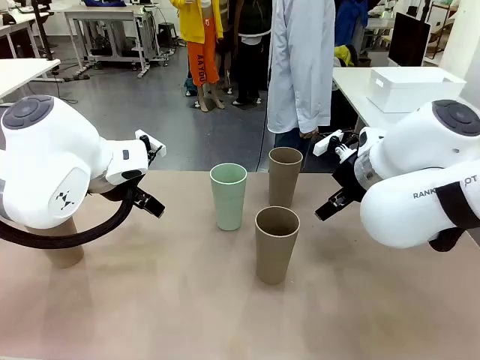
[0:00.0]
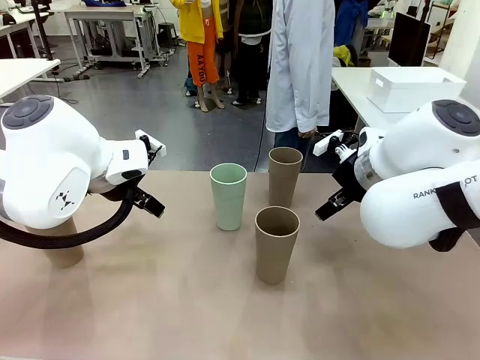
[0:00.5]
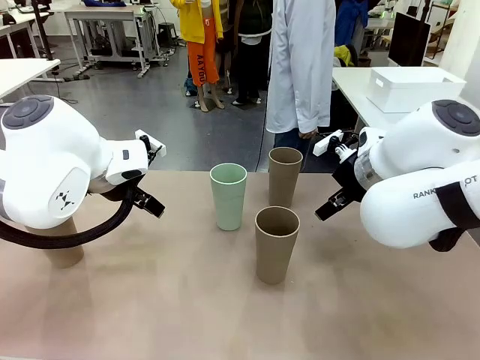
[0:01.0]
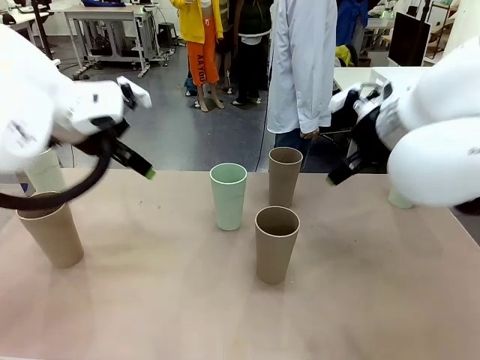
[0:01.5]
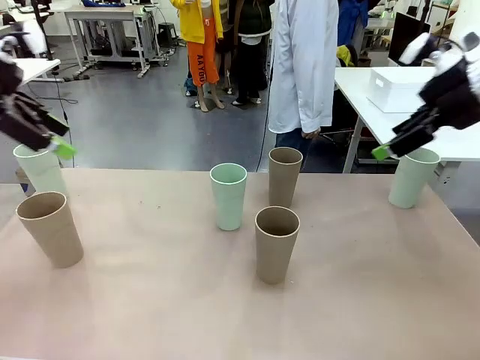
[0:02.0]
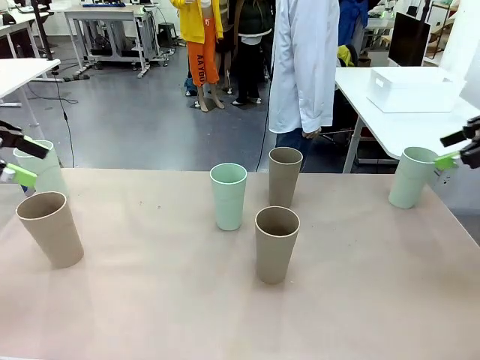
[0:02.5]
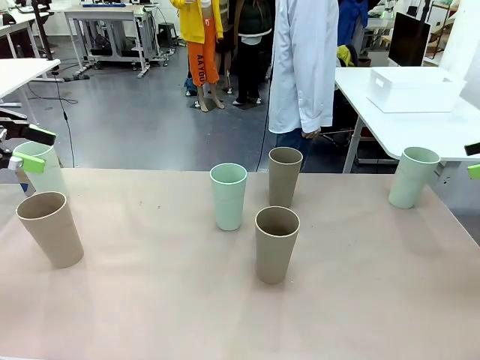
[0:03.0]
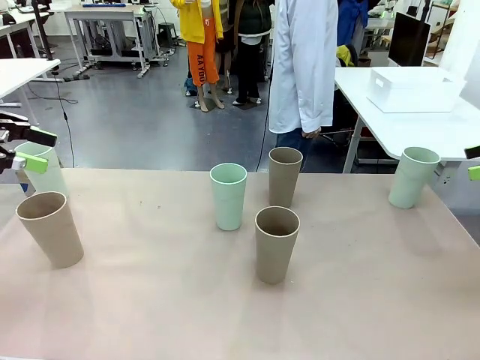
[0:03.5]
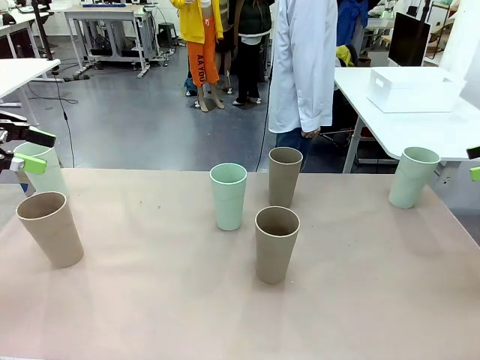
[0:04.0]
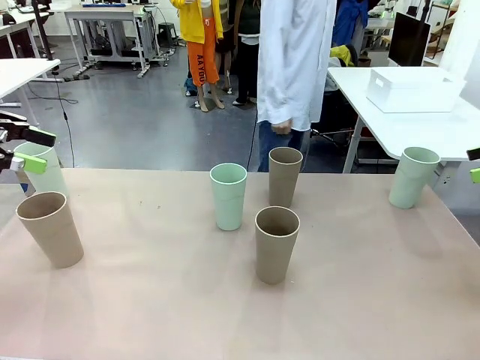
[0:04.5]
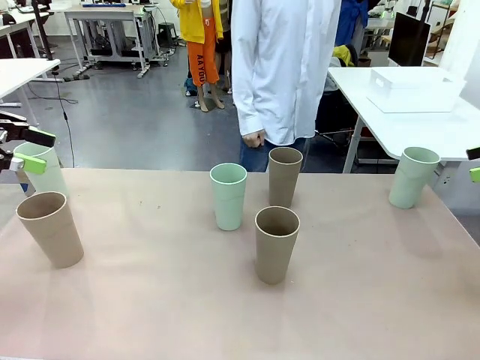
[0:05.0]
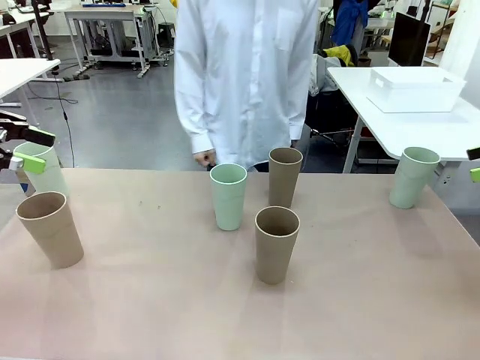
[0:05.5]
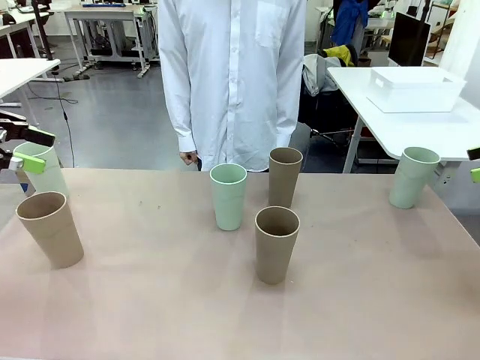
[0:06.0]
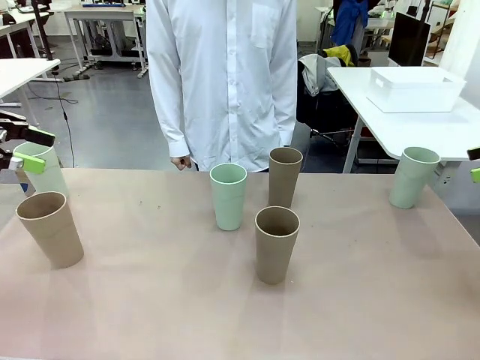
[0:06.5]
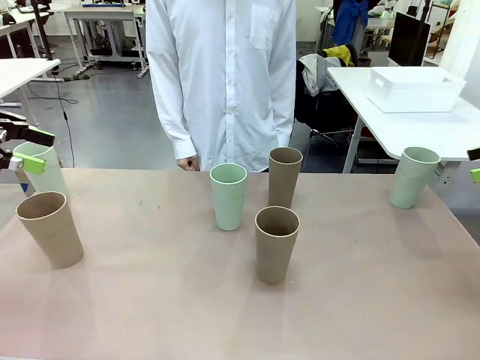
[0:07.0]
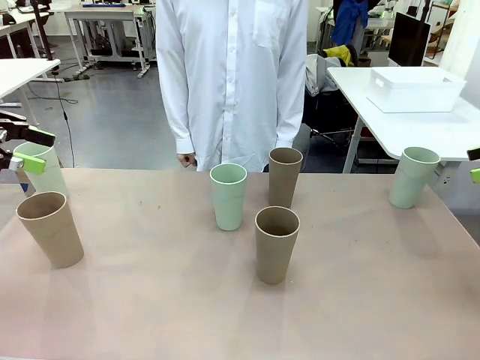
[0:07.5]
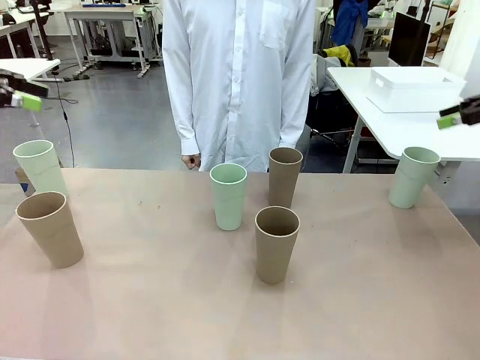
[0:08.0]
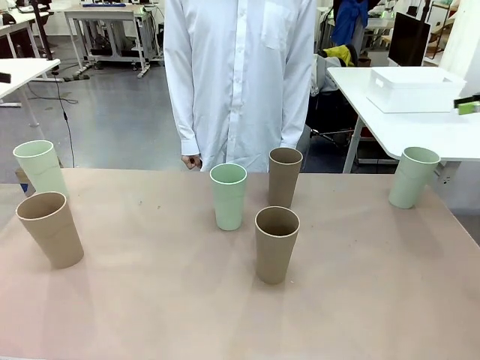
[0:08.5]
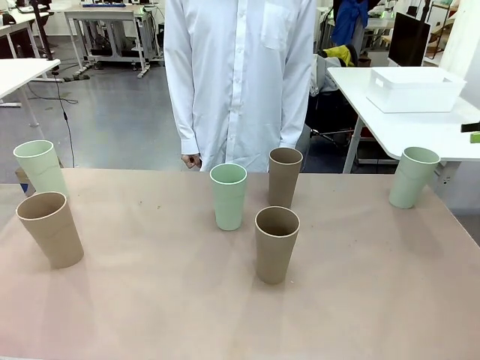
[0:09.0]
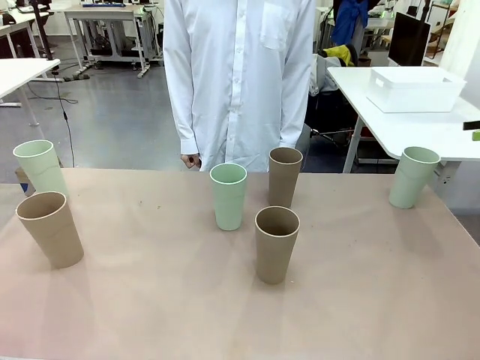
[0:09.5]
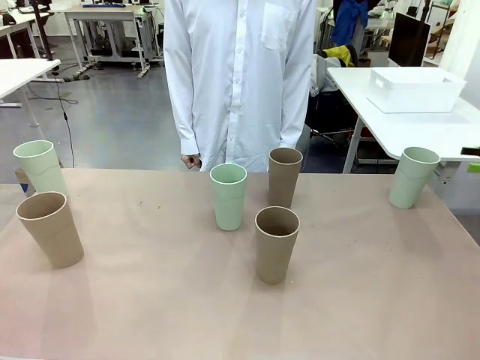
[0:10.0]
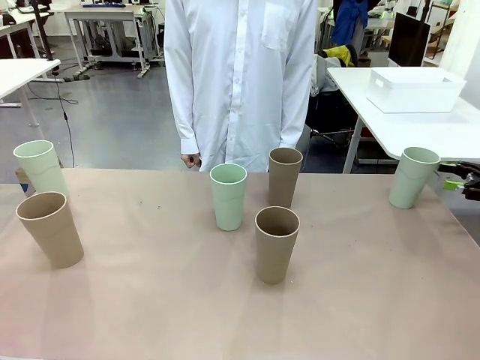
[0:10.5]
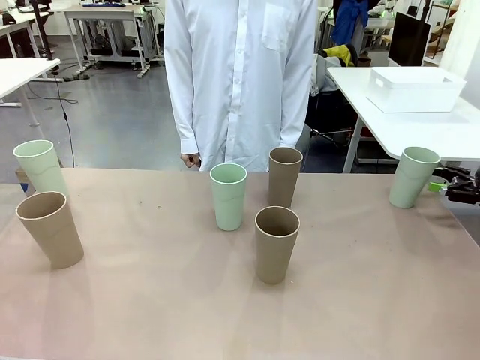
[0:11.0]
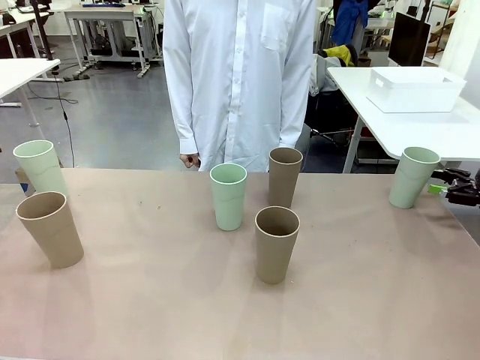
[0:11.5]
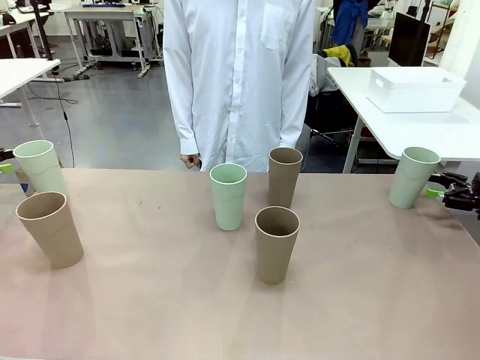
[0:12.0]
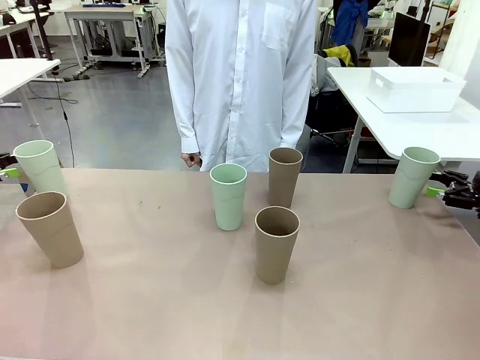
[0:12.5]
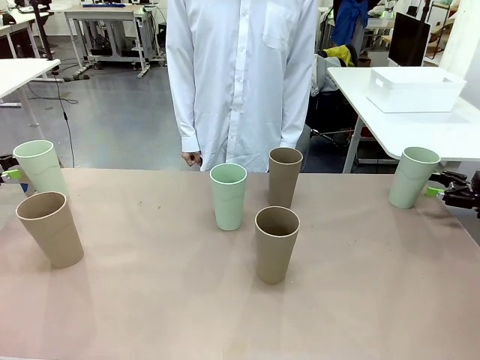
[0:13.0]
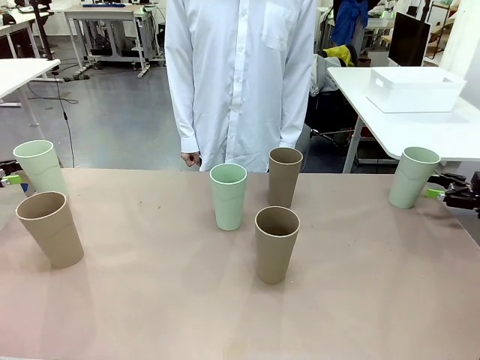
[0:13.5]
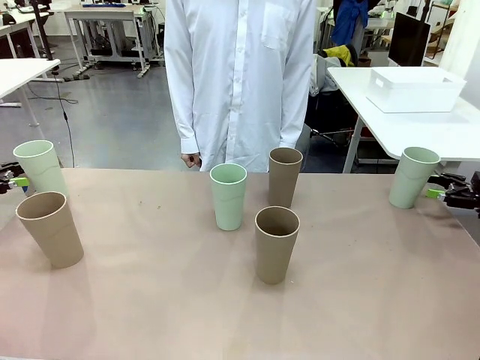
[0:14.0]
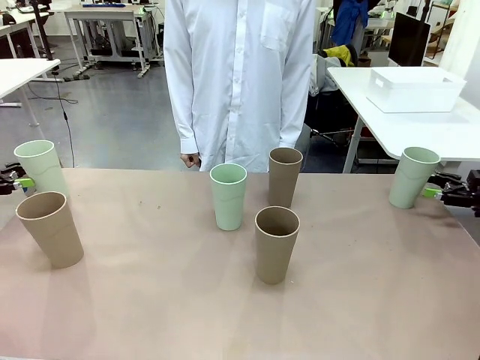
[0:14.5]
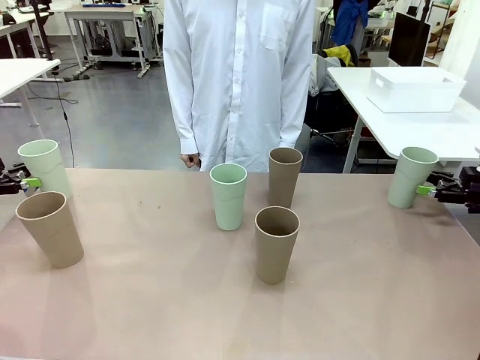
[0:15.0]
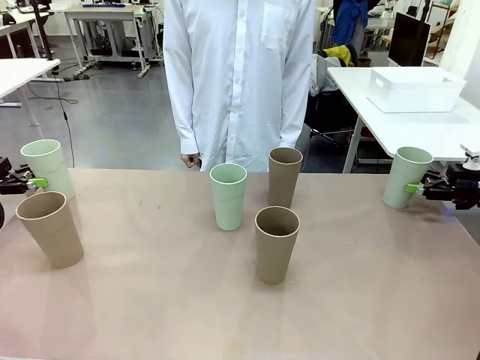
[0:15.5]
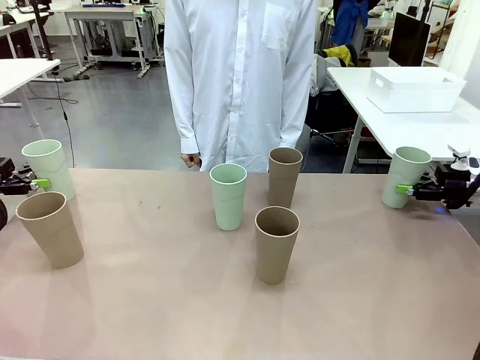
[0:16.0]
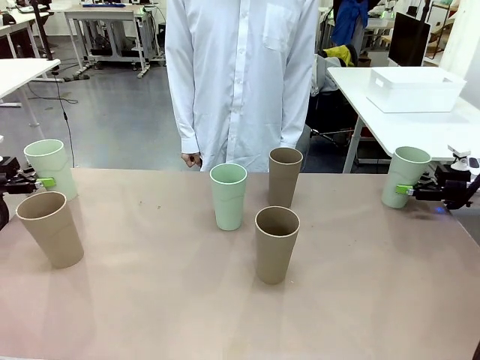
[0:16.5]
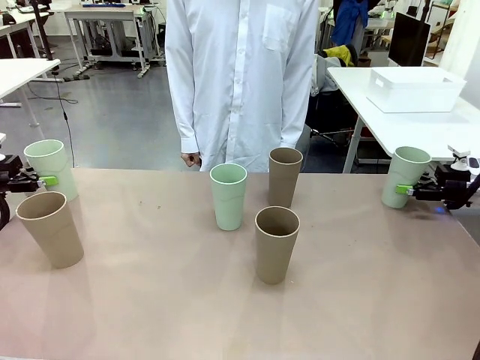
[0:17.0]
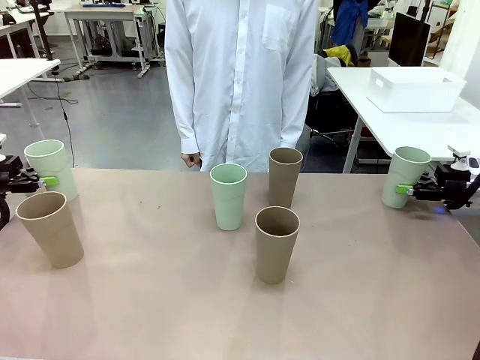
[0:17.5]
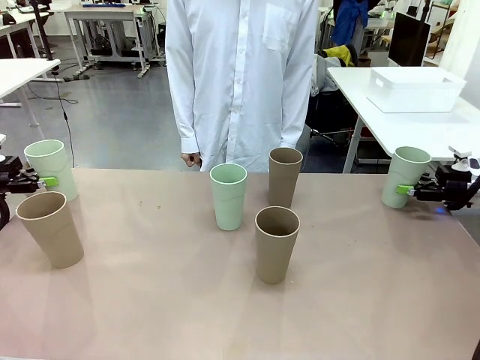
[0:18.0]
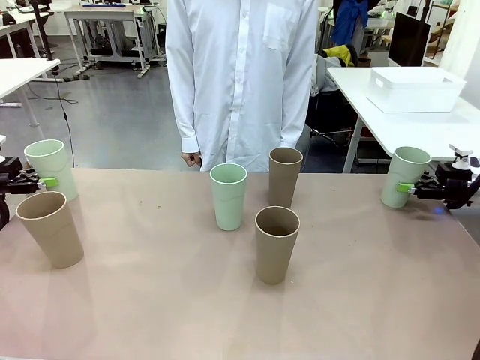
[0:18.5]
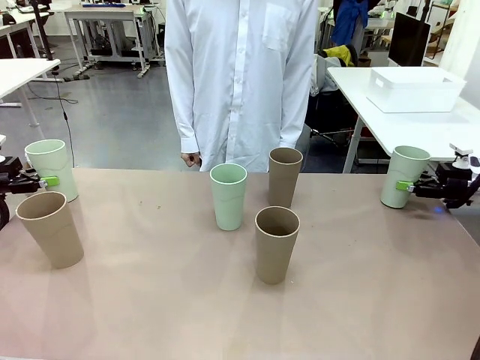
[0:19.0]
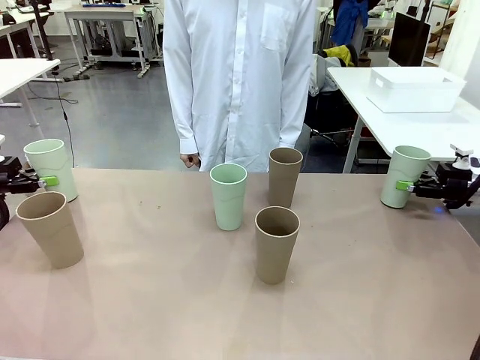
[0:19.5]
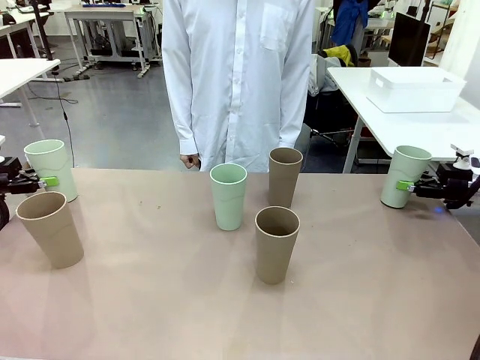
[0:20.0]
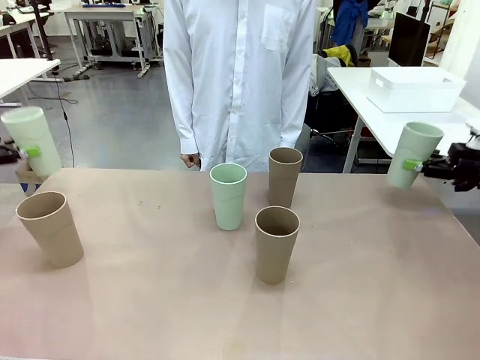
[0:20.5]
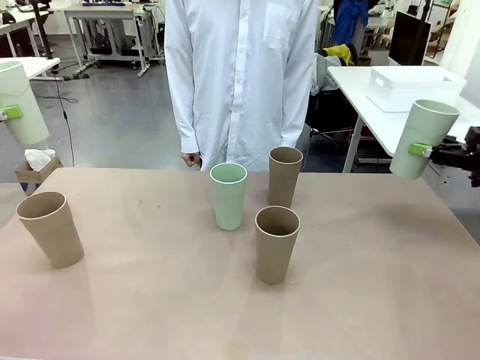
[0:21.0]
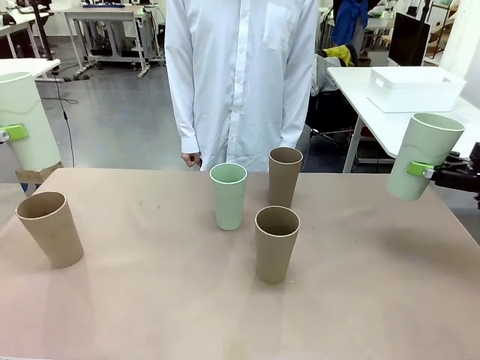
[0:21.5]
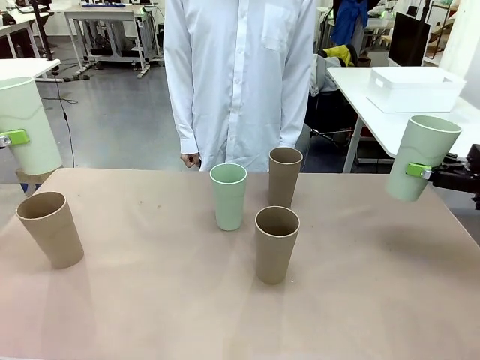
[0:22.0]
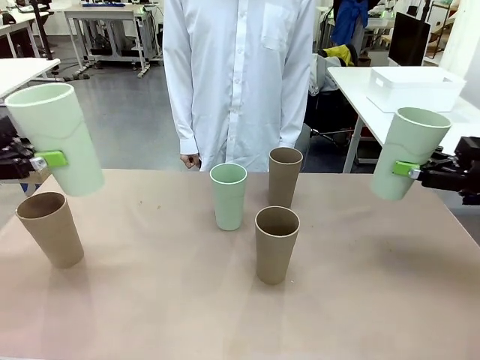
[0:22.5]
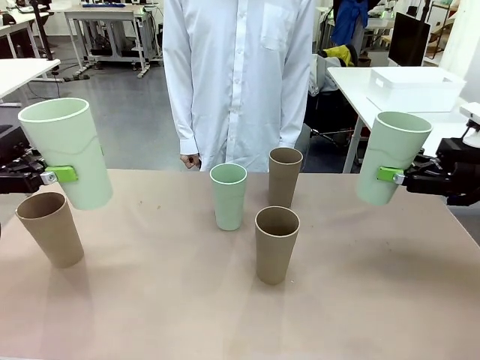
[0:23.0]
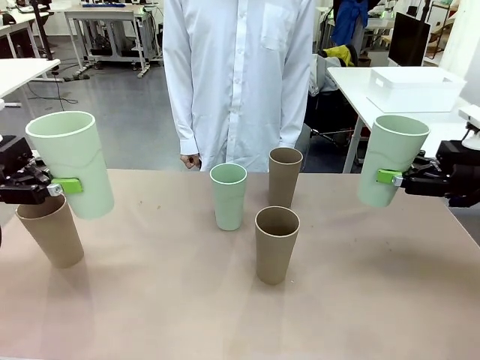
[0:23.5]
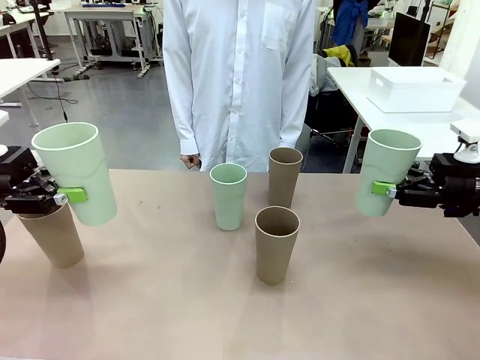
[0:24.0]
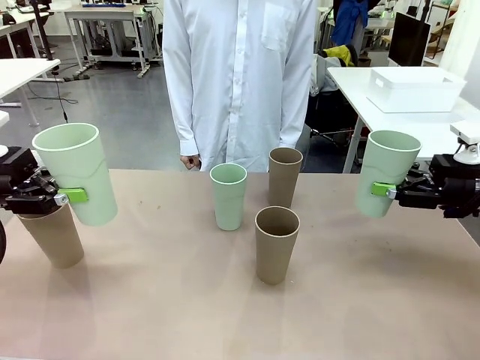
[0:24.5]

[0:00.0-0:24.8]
Task: Stack the cups and store them in the basket.
Robot: Pick up two Reusable plastic cups , one in each hand.
Person: Move from the Human Table to the front of the Robot Table. Stack two of the remaining cups on top of each cup held by the robot.
